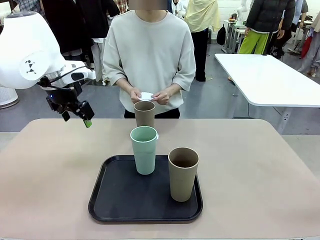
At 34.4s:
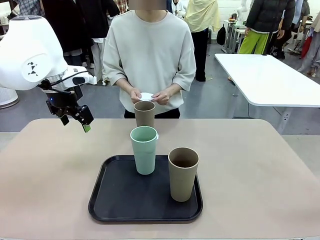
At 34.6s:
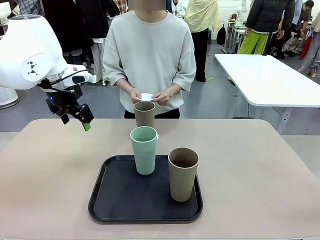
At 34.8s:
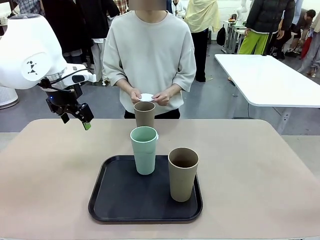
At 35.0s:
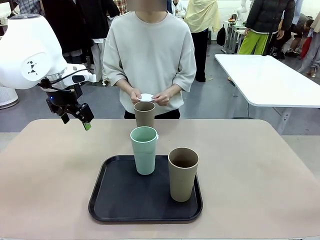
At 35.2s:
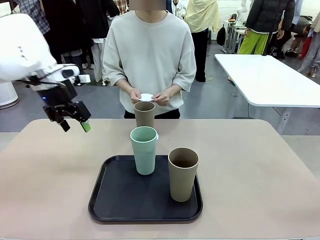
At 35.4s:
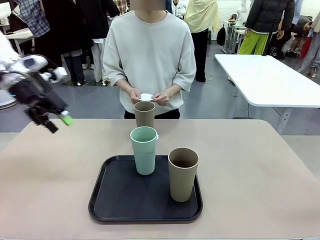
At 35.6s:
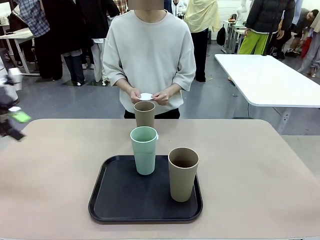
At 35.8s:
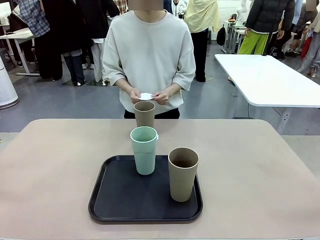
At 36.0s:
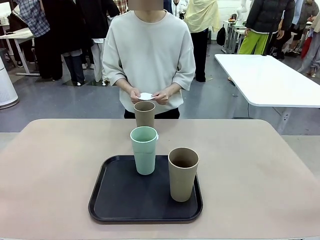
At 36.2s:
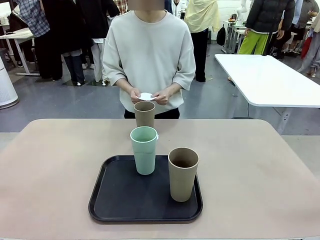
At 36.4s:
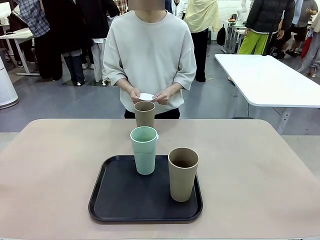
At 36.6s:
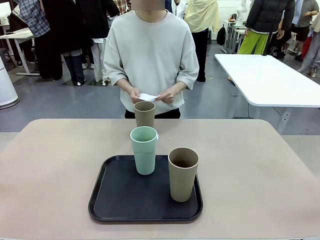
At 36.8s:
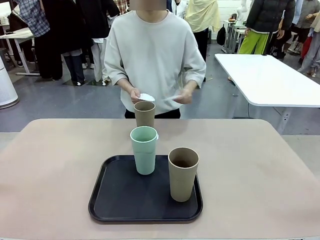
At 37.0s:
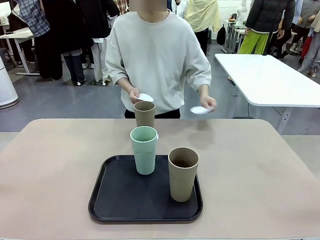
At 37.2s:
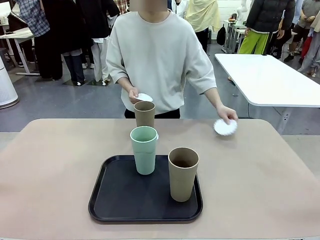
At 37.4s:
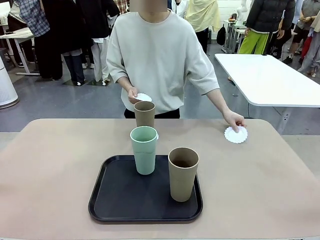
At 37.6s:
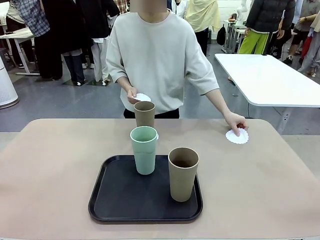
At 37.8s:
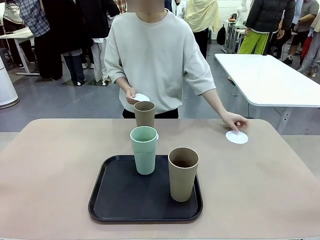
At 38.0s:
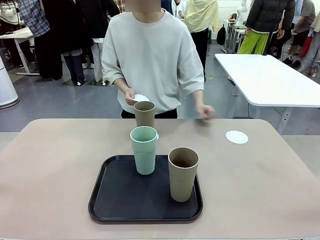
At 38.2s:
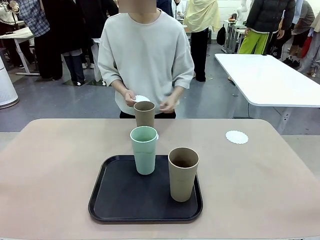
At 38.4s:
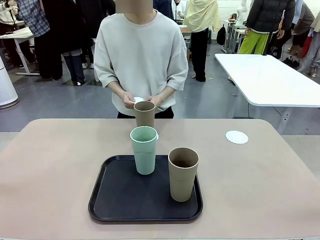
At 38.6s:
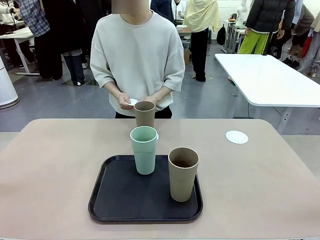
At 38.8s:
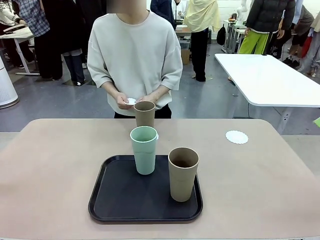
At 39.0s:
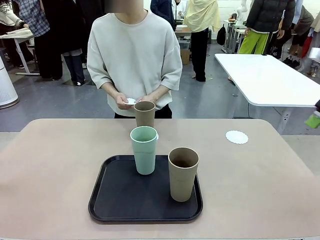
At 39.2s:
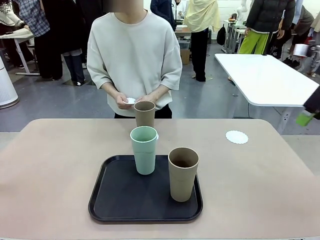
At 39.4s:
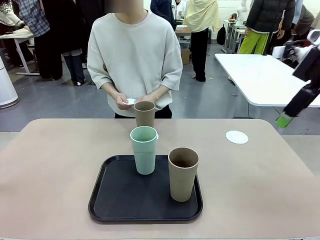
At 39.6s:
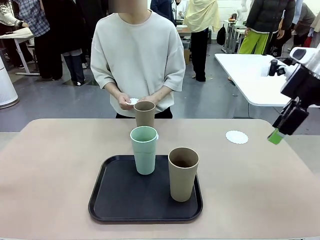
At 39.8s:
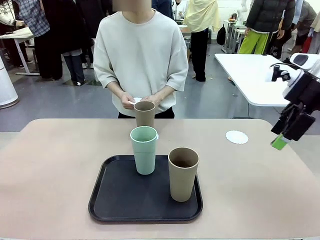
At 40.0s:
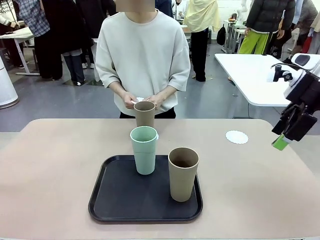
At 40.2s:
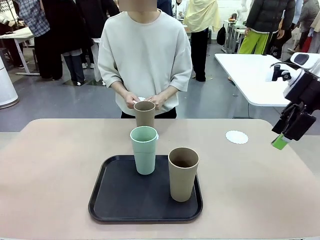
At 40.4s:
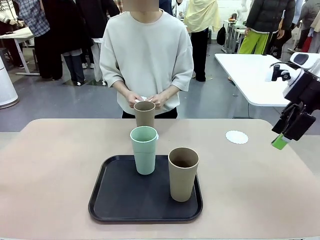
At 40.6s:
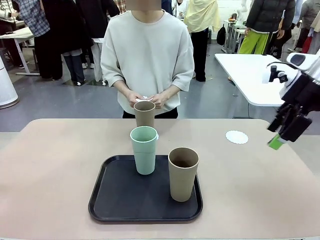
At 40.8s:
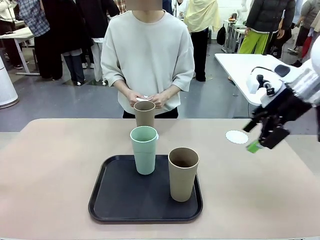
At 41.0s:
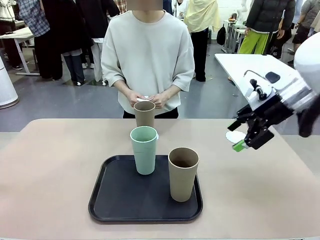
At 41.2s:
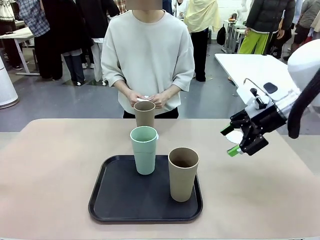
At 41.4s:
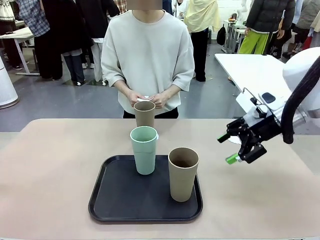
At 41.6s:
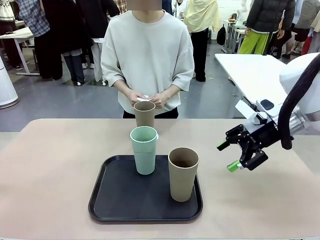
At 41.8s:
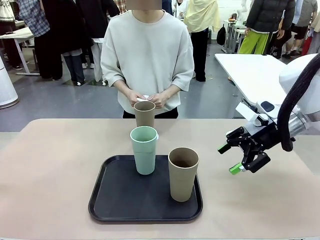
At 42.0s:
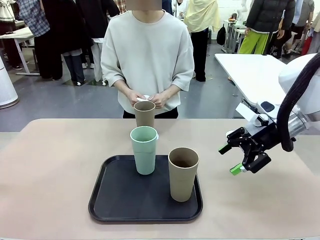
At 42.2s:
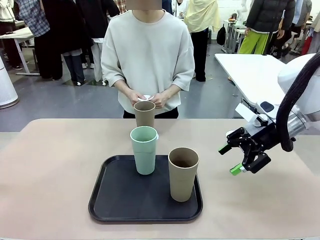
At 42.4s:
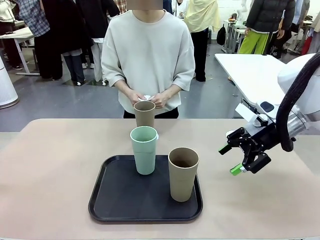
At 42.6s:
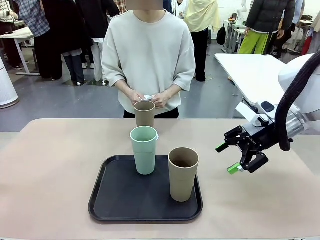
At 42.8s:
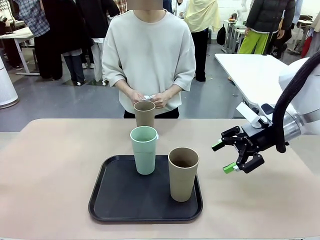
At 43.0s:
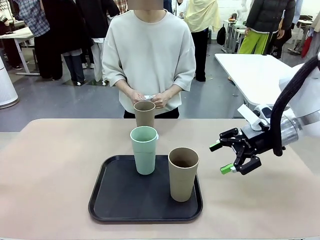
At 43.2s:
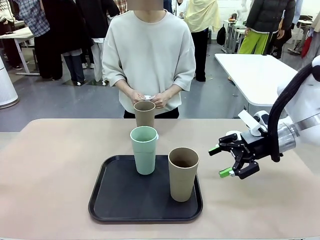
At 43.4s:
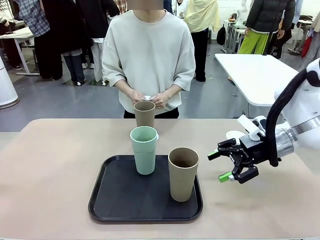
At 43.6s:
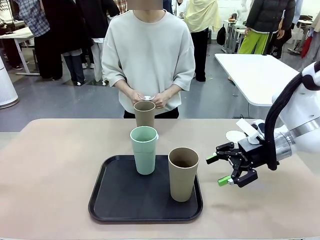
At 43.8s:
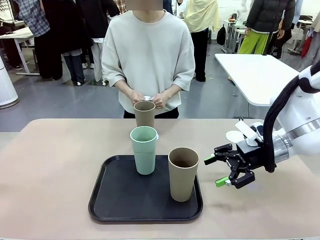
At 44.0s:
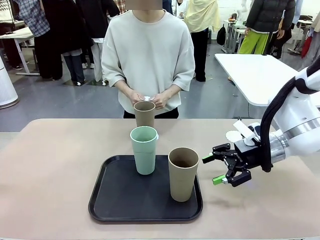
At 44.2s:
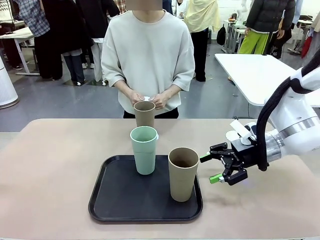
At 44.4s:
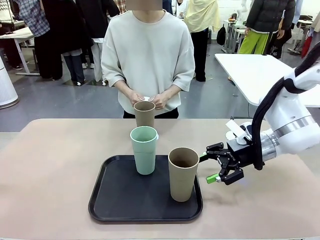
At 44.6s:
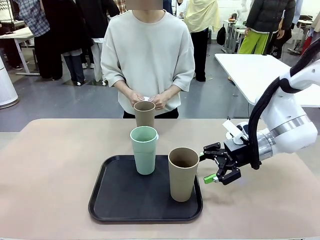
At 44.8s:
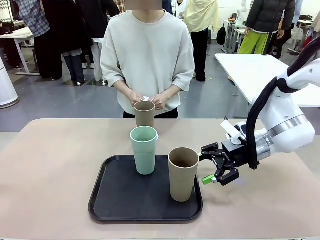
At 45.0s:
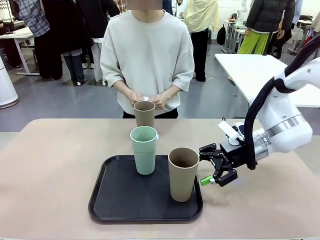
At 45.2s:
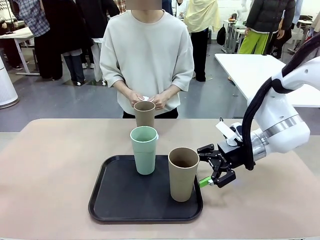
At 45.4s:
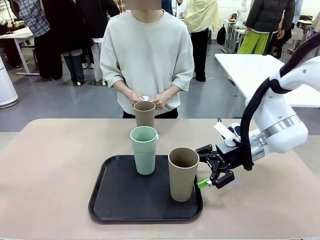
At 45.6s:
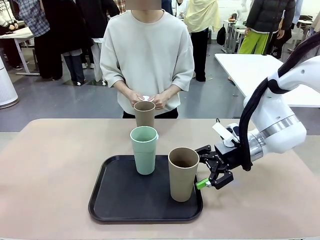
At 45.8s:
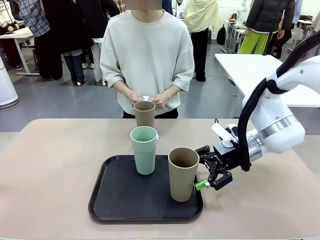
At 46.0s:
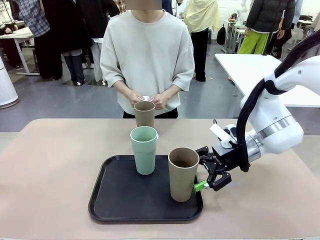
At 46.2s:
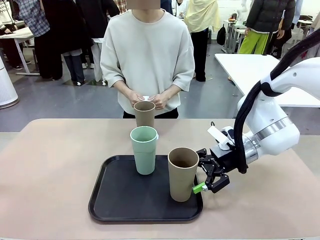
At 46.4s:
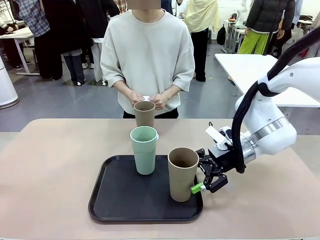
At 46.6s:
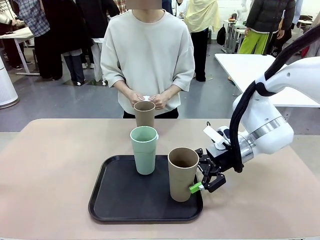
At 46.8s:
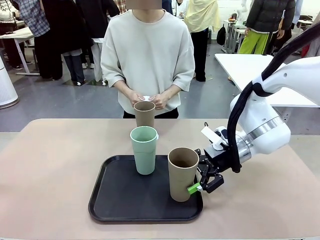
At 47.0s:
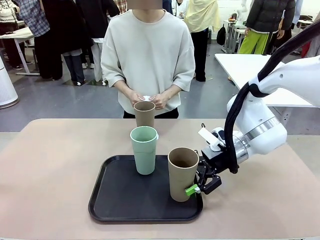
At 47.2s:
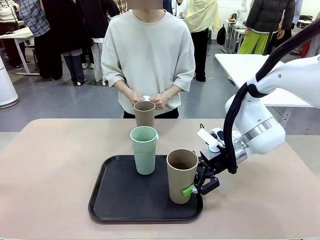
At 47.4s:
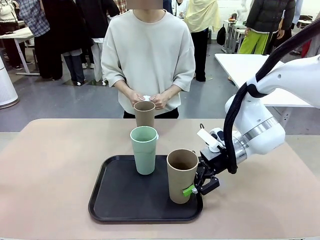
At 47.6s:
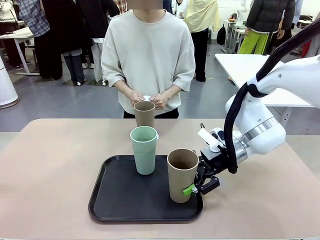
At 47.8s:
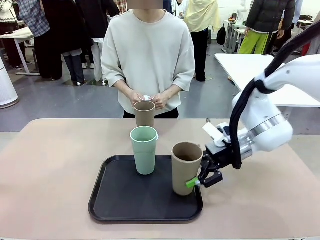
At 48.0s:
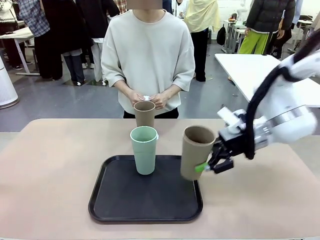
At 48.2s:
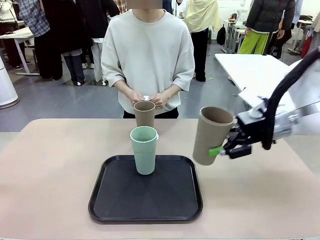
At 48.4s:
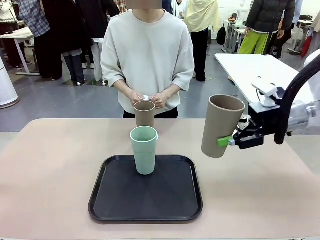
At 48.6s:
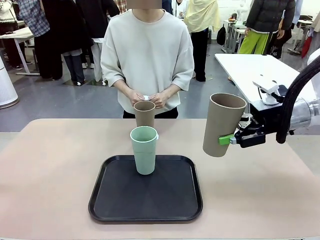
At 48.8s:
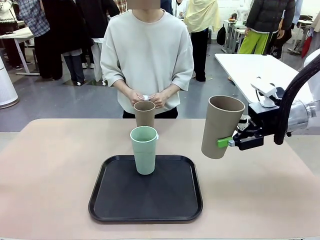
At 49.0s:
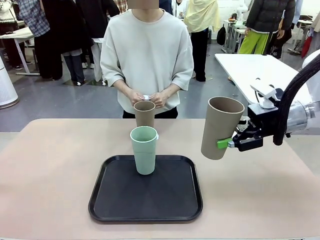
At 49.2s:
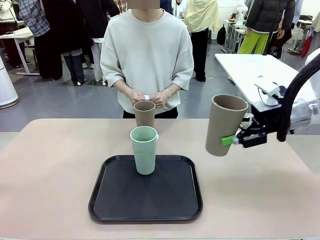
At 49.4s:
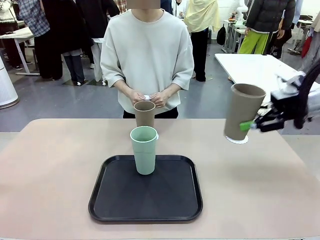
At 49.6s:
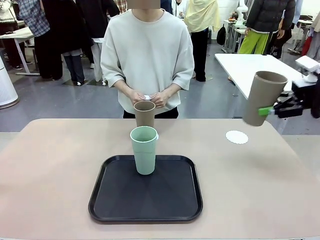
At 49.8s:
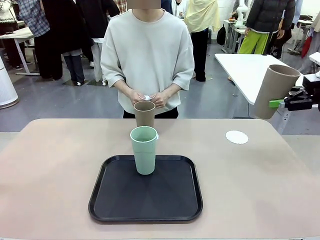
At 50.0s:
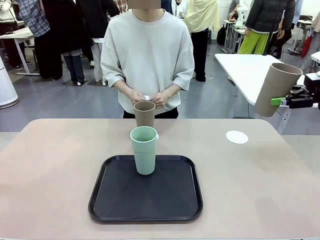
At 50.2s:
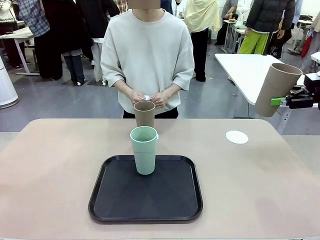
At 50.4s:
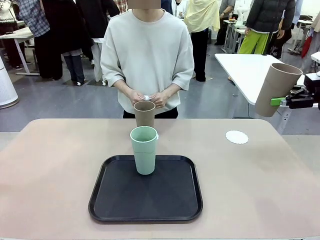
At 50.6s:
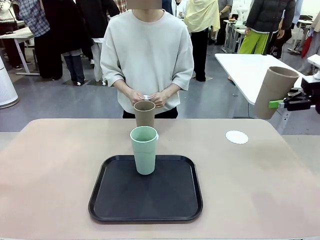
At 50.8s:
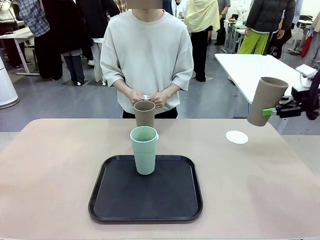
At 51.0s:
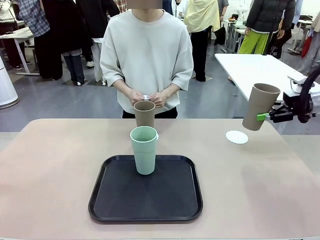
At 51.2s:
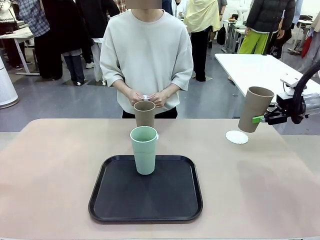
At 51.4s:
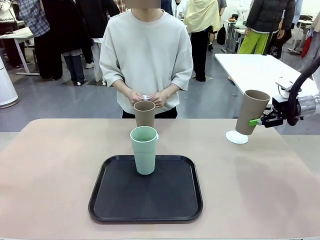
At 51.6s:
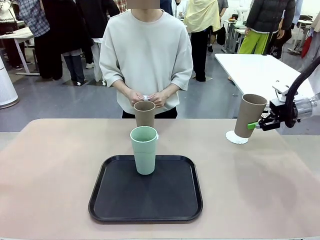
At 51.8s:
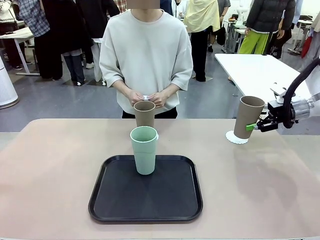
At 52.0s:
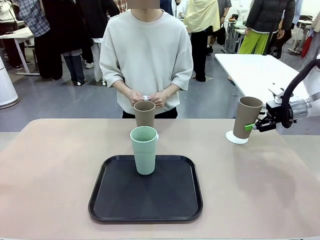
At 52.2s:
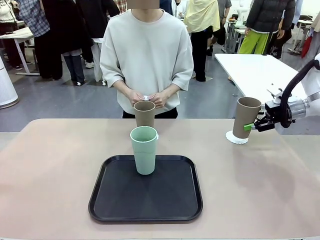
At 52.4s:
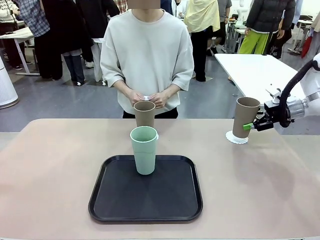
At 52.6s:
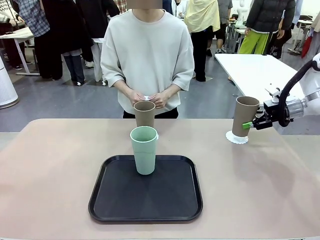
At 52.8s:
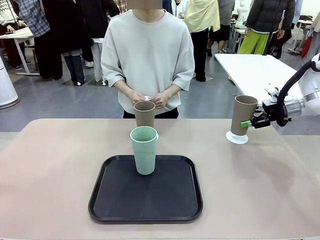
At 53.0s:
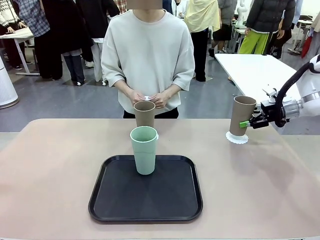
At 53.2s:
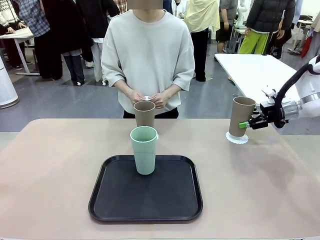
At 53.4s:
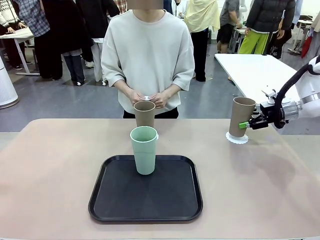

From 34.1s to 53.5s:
Task: Place coasters on the table and set cups on them.
Robot: Take one Reusable plastic cup from the Flat Tray and place it on a coaster set by the human.

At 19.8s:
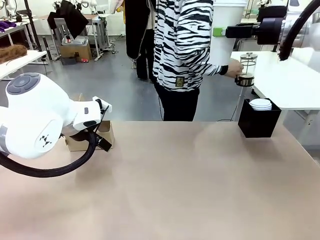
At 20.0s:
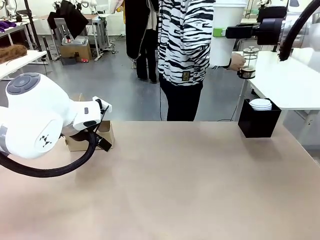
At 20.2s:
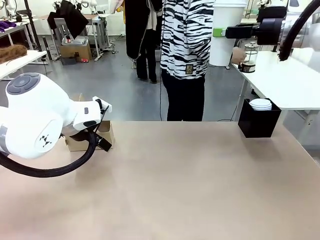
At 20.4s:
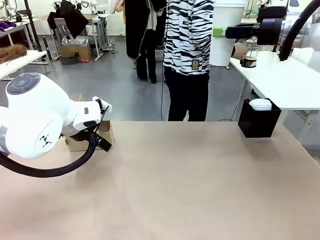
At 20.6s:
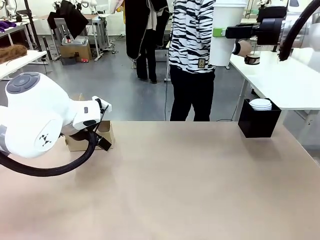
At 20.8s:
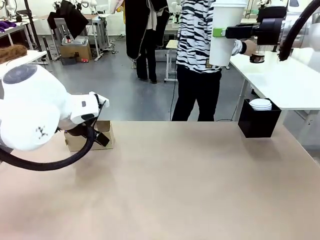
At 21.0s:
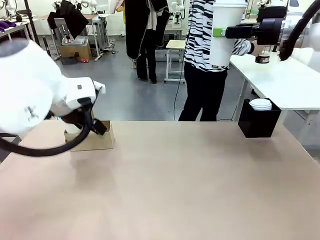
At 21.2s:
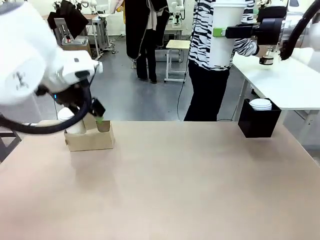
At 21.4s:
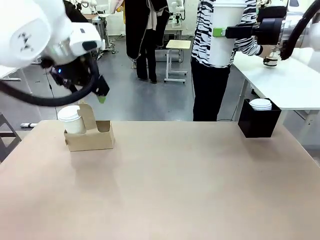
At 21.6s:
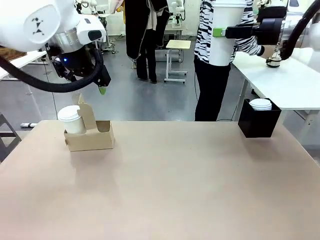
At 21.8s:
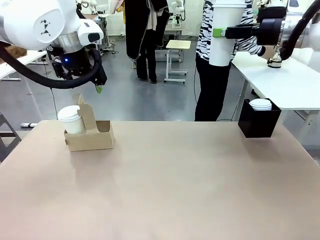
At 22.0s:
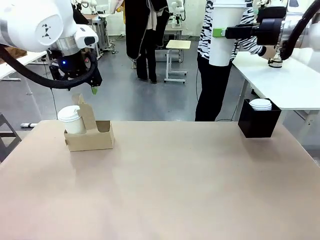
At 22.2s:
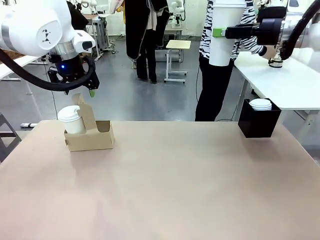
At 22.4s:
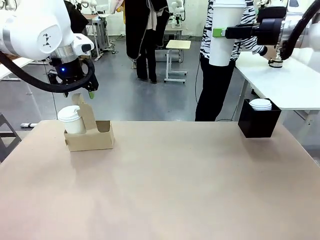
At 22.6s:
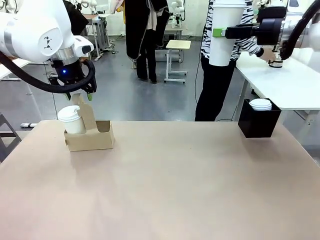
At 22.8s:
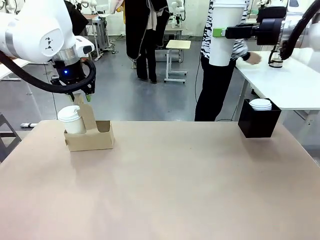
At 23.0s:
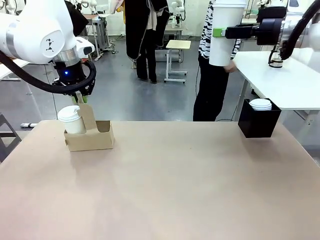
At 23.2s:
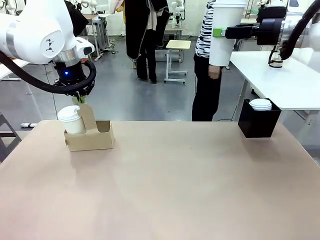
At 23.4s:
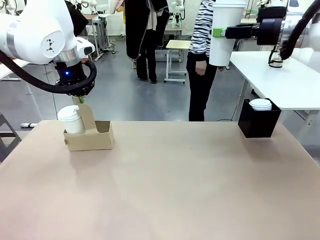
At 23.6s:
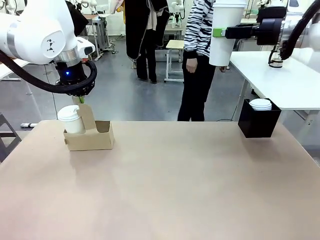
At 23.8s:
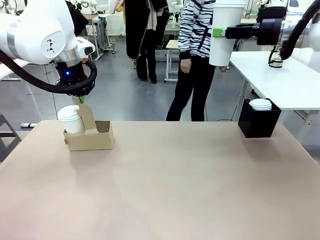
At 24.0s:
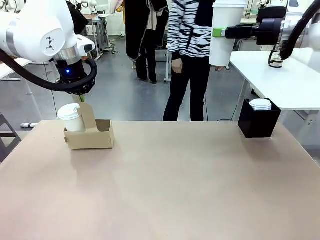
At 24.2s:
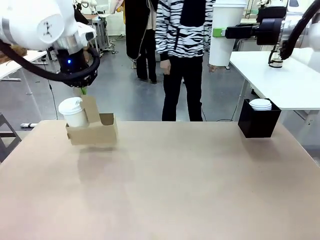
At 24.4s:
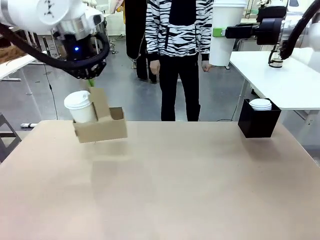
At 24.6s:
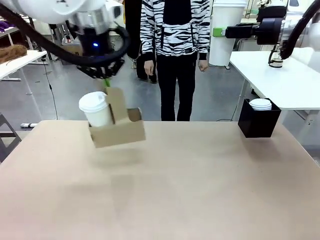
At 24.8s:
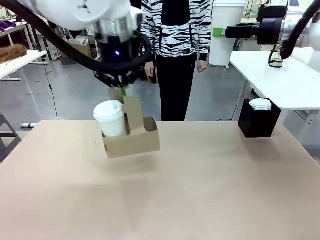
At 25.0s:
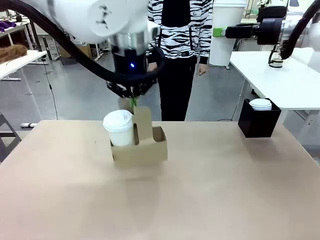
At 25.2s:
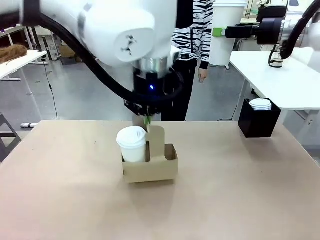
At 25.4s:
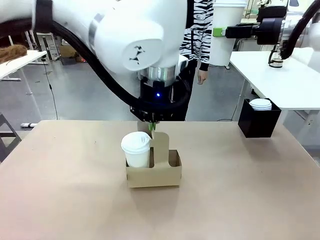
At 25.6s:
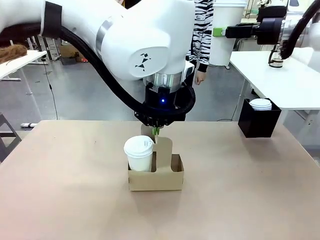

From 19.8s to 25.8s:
Task: Pour a drink into a cup and package it in a carrier.
Robot: Position the Cup Carrier in the center of the table.
Person: Pick up the Filter Brewing and place on the middle of Human table, and return to the Robot table.
